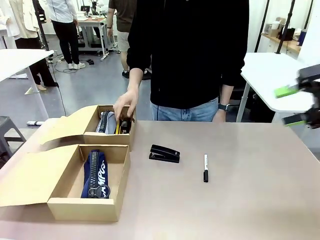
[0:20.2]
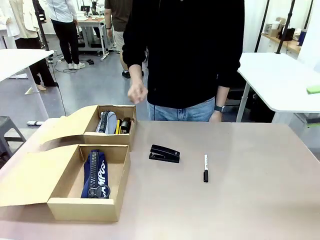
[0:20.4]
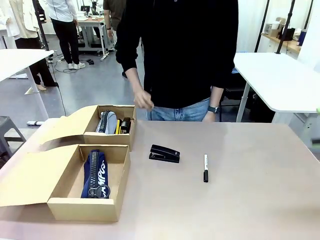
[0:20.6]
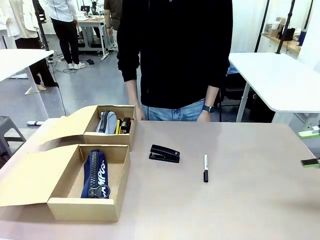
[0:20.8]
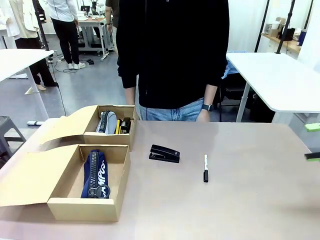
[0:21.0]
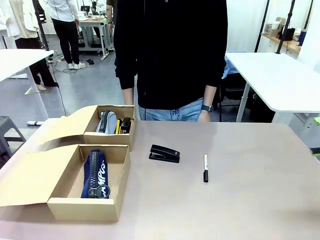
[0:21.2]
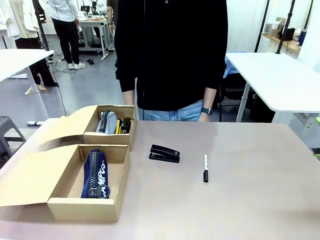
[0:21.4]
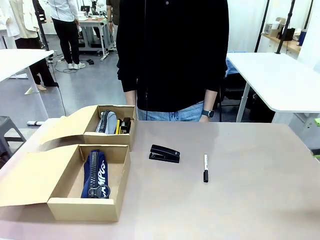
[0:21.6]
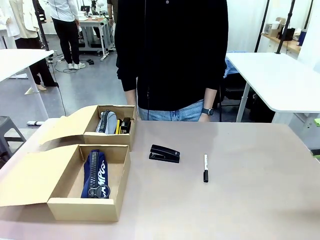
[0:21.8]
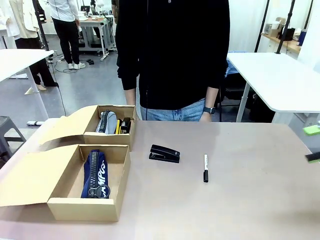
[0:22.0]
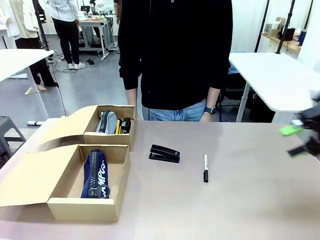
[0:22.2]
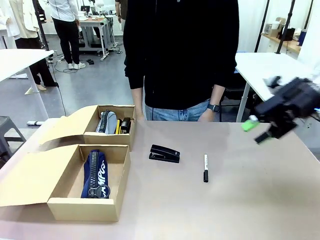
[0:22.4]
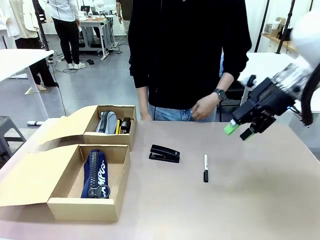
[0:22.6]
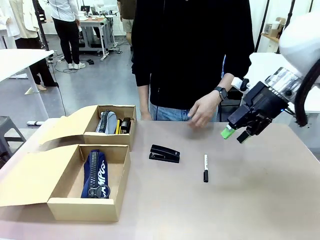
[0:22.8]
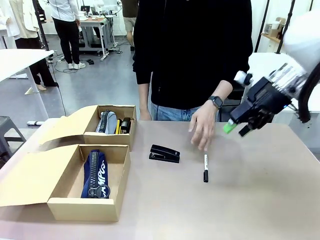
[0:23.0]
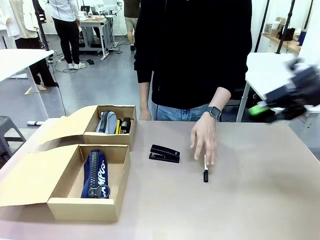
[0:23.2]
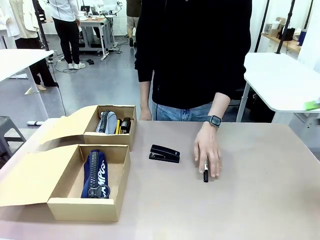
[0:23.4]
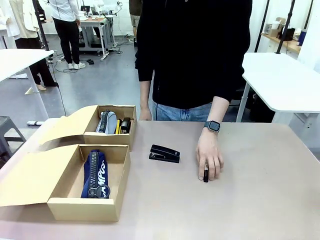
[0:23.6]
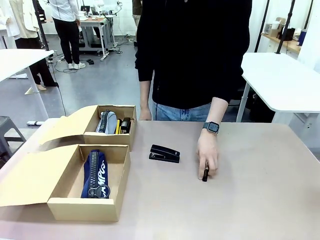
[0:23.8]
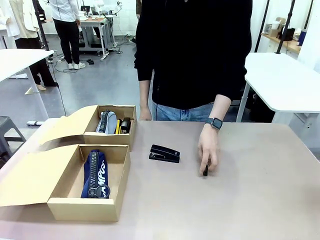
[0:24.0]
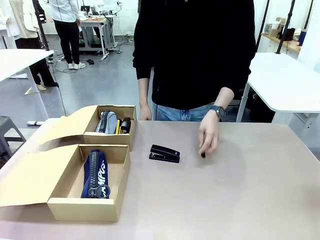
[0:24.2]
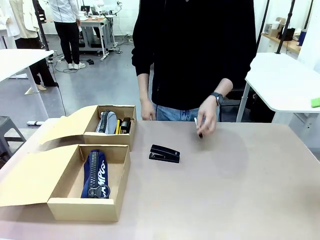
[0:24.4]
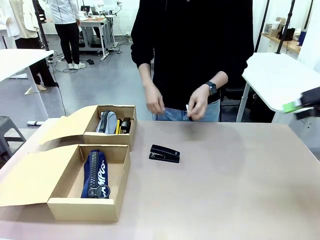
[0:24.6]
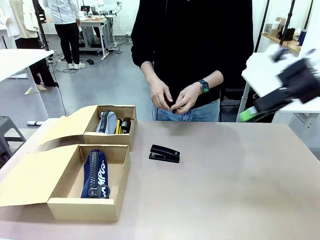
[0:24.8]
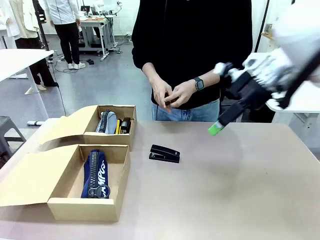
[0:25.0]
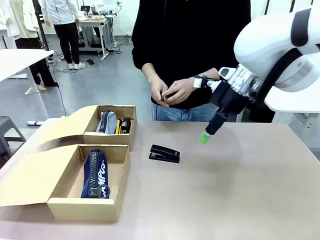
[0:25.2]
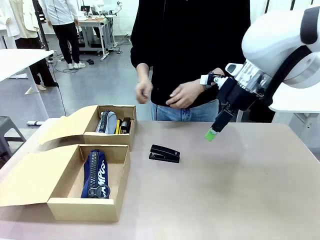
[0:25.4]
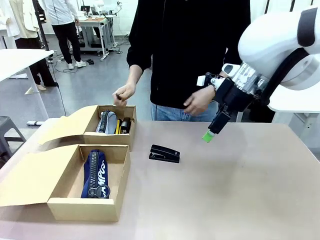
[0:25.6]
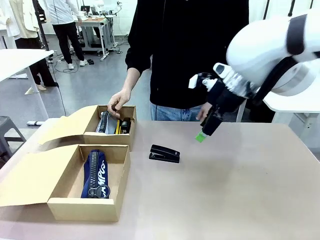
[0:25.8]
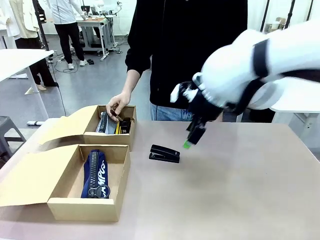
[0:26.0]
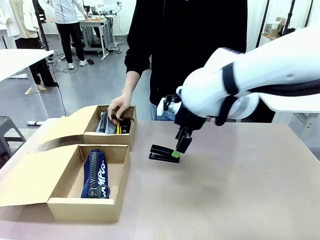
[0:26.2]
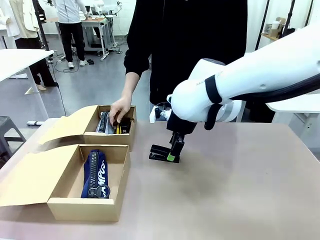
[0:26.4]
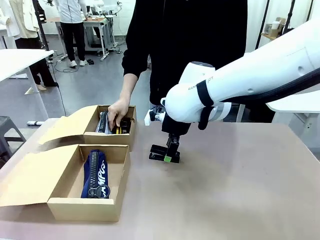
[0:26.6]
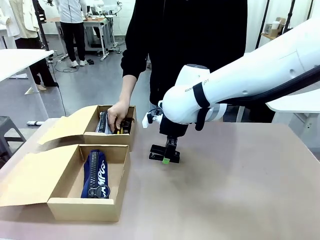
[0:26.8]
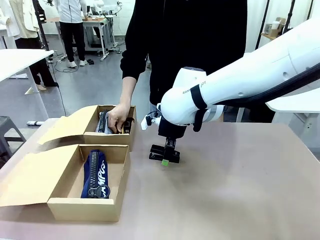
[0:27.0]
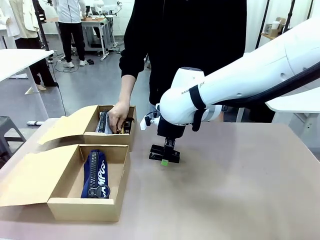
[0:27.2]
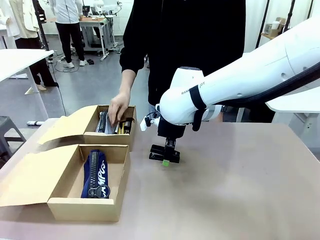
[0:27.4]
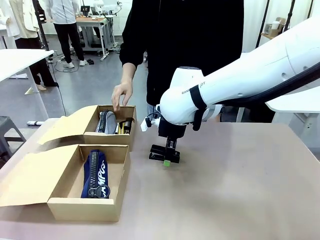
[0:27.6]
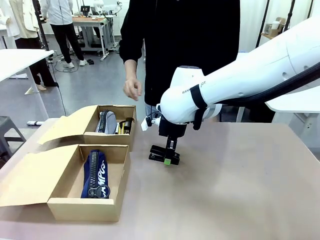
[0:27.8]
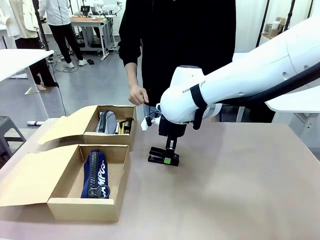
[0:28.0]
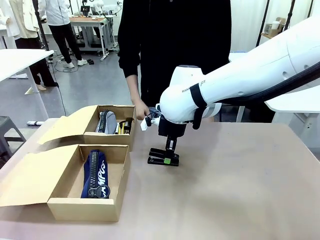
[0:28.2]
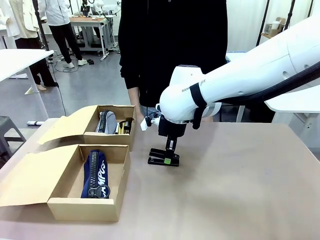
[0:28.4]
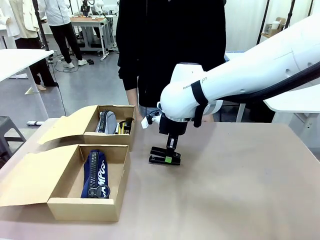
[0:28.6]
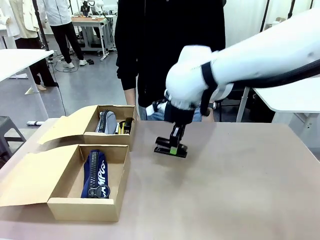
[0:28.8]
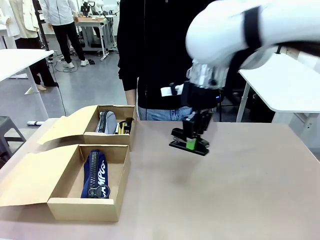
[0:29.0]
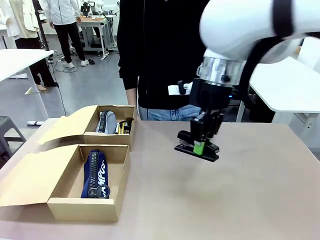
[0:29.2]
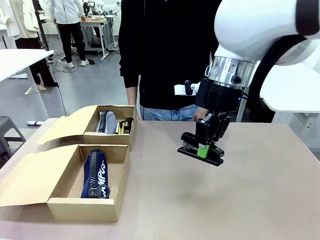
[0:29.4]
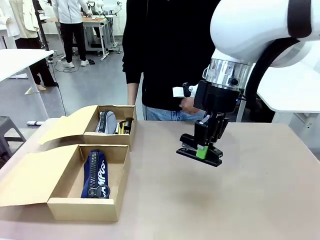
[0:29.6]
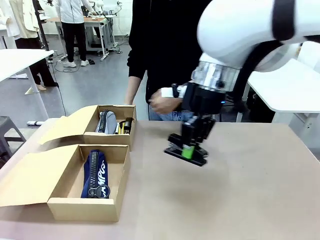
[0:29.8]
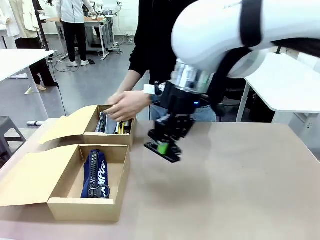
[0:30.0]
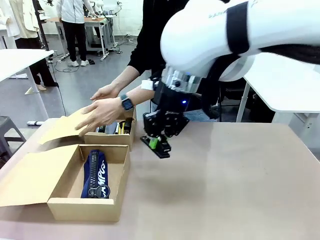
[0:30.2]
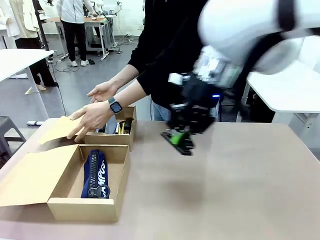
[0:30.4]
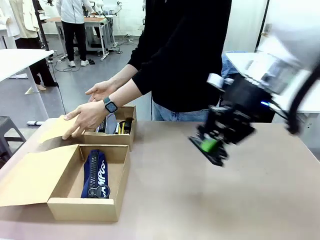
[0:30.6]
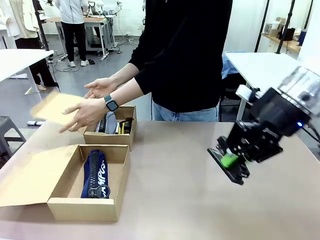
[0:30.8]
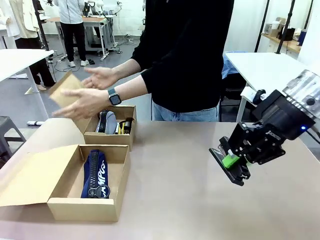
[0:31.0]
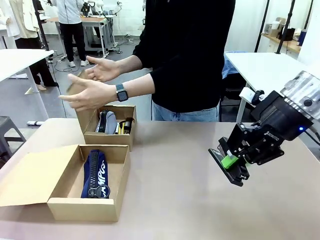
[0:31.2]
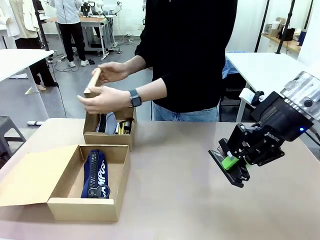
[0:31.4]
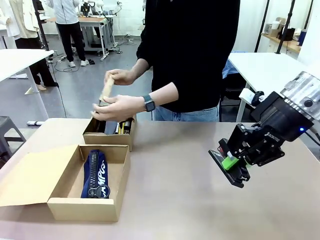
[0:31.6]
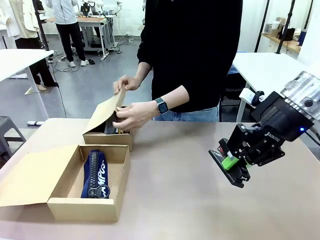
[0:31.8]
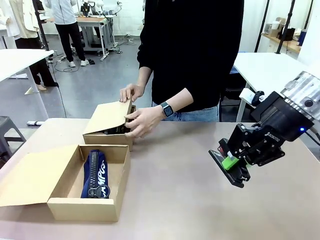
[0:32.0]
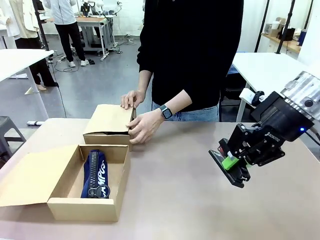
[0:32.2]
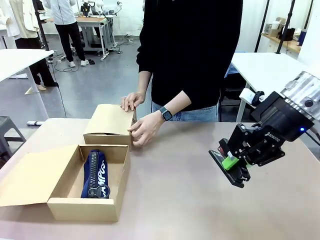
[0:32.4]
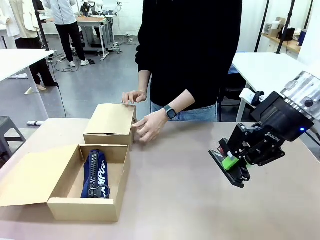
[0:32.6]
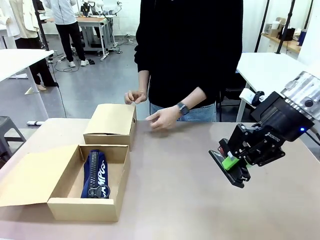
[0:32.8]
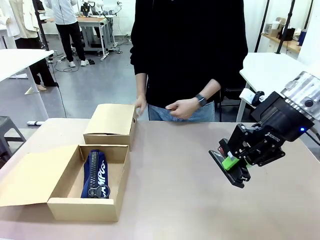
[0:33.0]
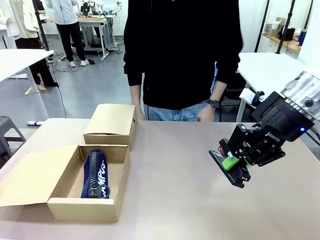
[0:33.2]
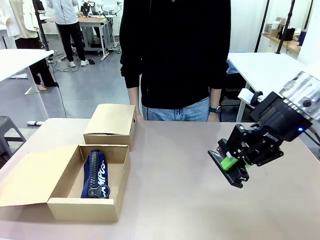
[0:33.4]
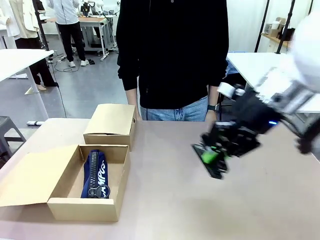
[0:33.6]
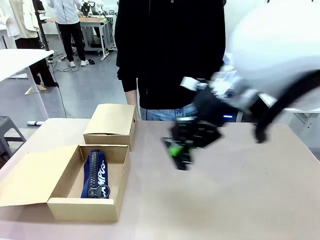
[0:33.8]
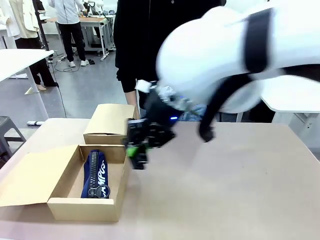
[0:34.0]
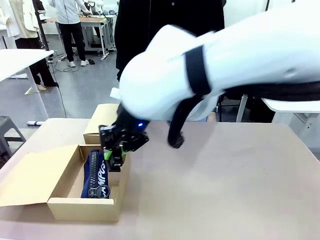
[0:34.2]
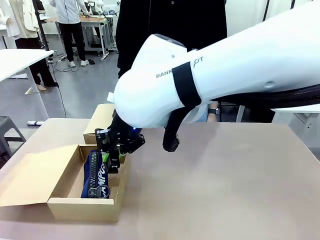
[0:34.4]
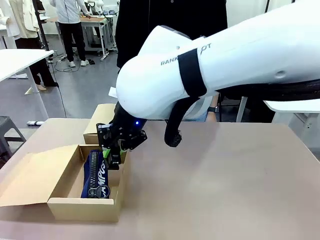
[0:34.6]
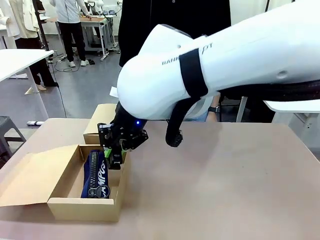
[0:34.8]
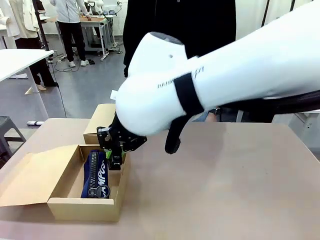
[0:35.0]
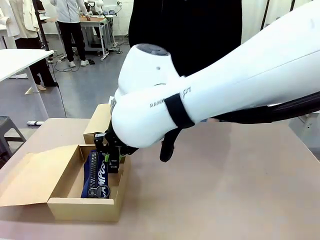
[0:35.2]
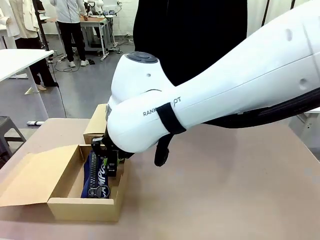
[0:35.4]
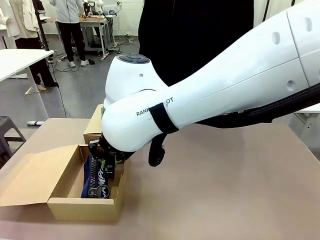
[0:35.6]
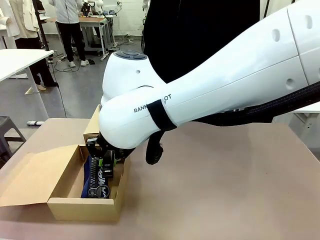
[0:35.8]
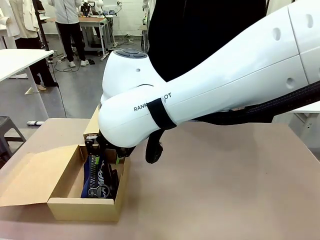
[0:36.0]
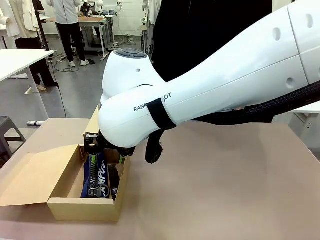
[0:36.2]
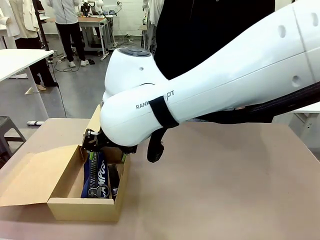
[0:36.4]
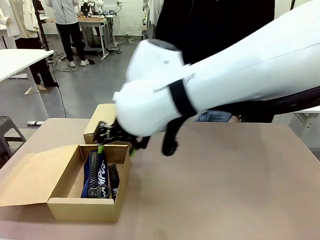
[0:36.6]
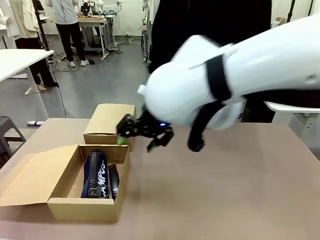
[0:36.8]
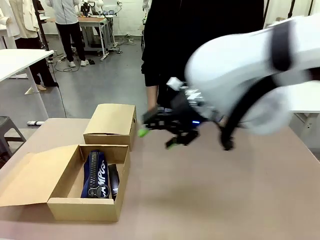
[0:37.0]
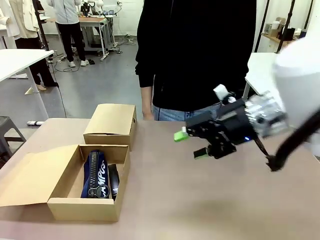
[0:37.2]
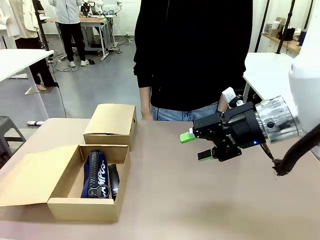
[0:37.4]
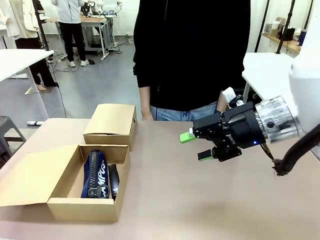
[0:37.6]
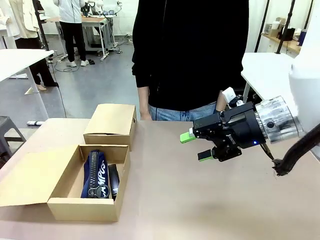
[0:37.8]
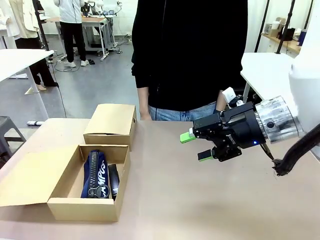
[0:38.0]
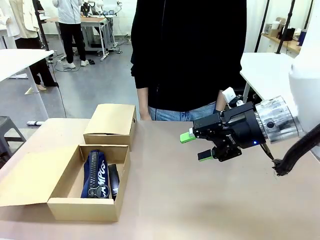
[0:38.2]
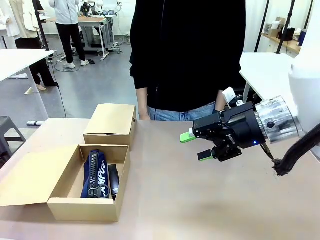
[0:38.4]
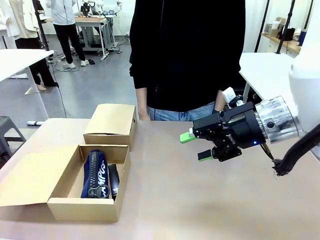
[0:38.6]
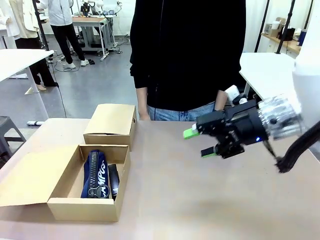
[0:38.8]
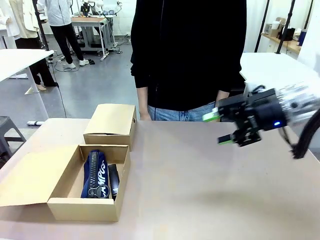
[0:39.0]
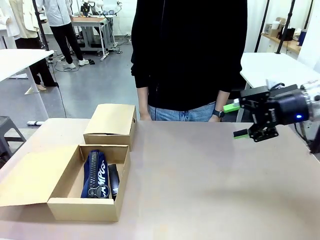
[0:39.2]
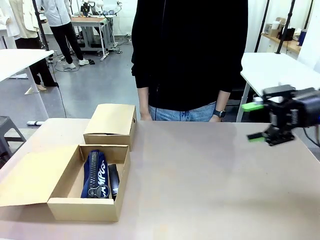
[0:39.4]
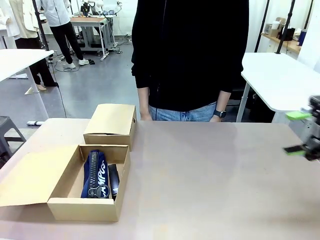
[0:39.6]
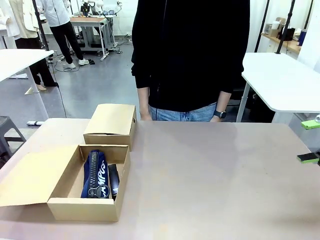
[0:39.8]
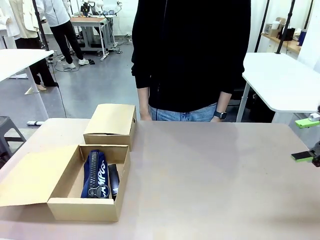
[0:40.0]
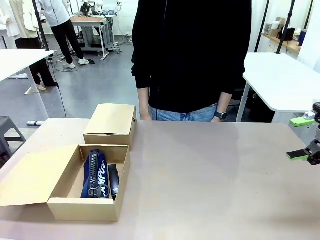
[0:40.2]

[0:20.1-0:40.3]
Task: Place items inside the box.
Robot: Pick up a Pencil pouch or Stapler and place it inside the Mailer Box closest to the robot.
